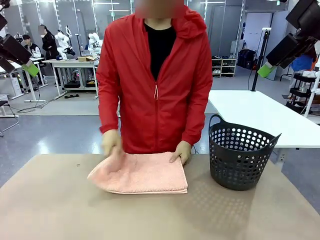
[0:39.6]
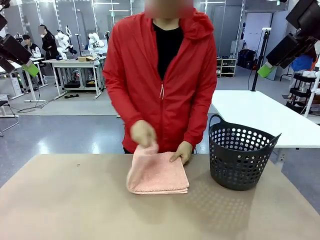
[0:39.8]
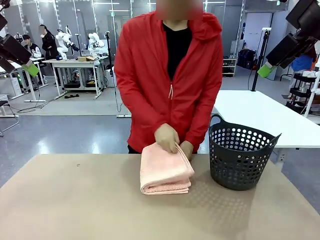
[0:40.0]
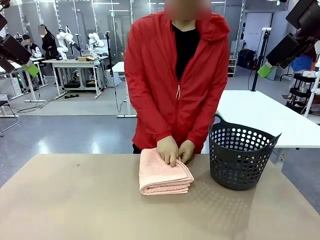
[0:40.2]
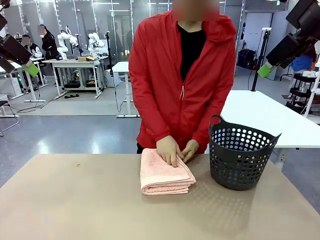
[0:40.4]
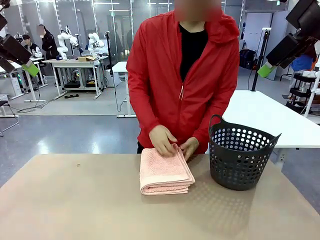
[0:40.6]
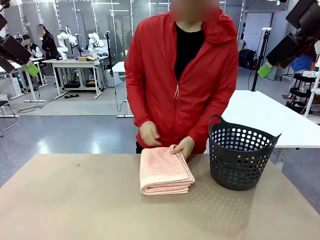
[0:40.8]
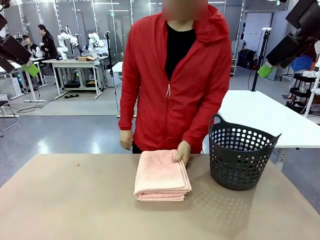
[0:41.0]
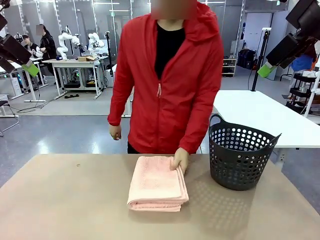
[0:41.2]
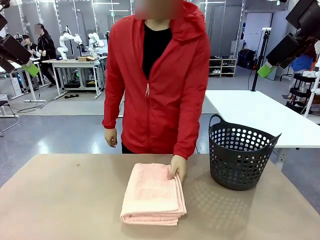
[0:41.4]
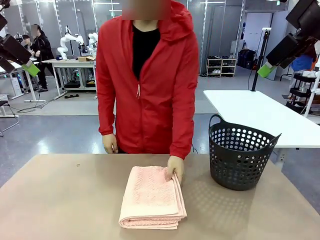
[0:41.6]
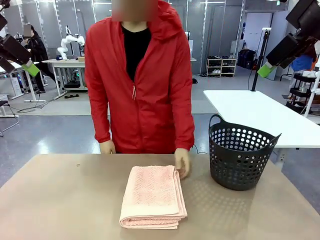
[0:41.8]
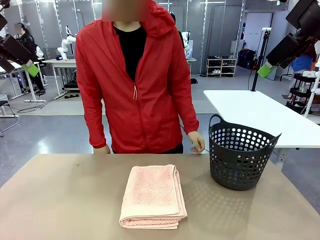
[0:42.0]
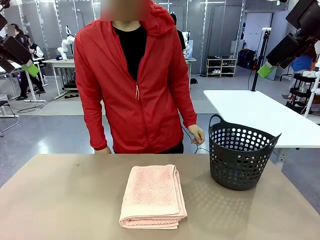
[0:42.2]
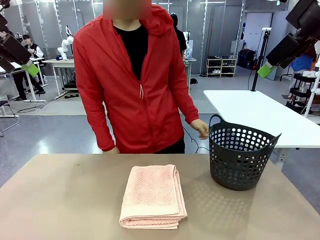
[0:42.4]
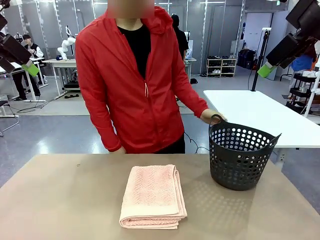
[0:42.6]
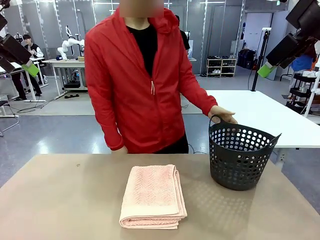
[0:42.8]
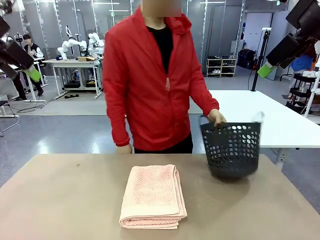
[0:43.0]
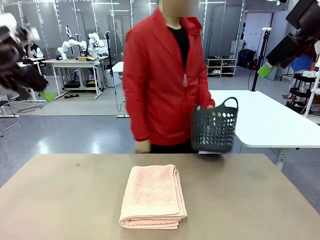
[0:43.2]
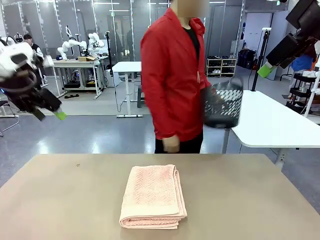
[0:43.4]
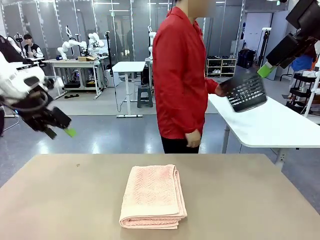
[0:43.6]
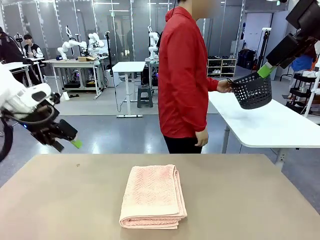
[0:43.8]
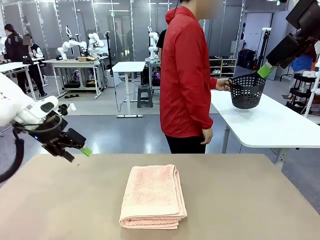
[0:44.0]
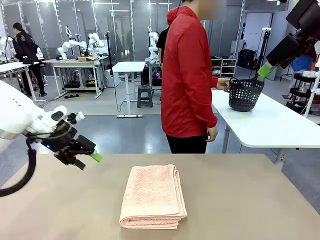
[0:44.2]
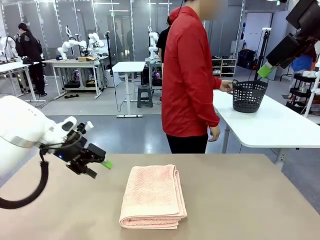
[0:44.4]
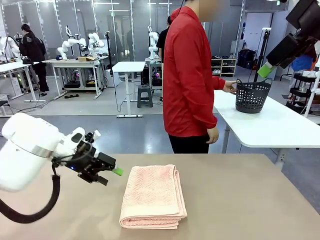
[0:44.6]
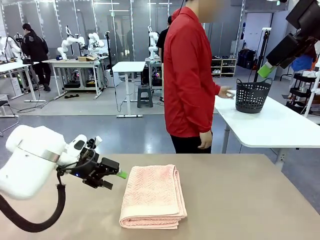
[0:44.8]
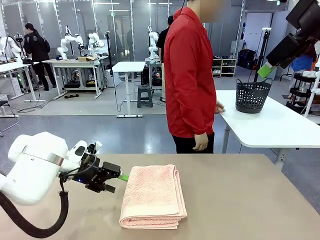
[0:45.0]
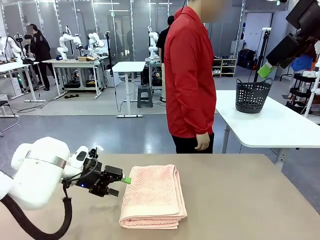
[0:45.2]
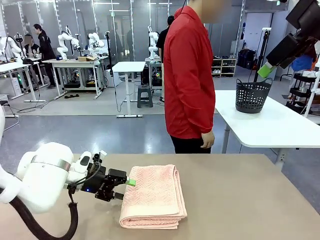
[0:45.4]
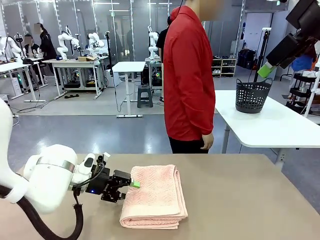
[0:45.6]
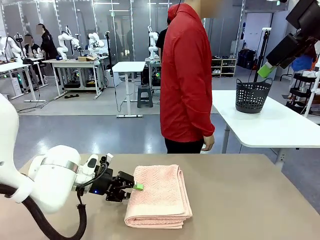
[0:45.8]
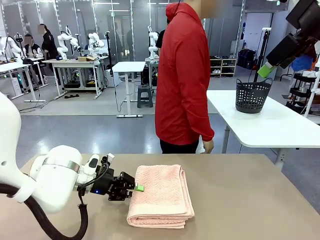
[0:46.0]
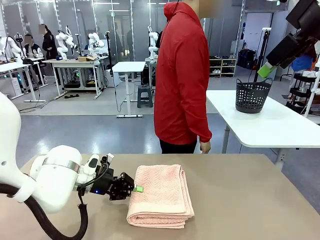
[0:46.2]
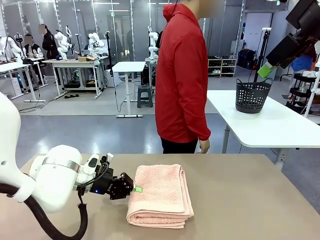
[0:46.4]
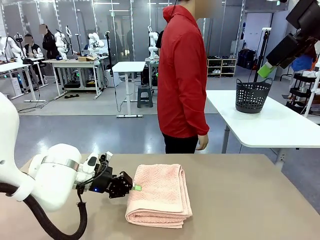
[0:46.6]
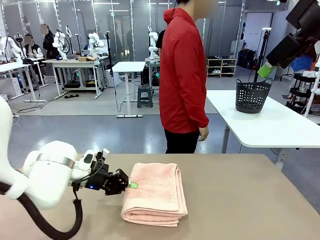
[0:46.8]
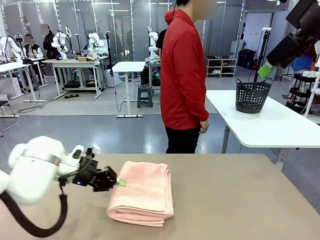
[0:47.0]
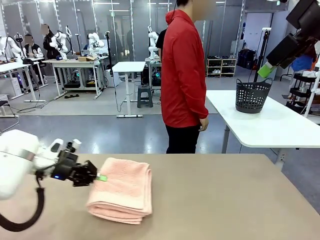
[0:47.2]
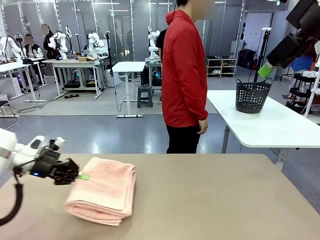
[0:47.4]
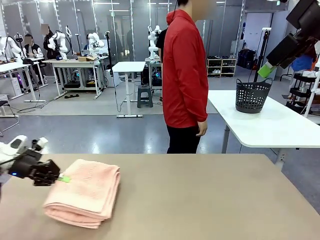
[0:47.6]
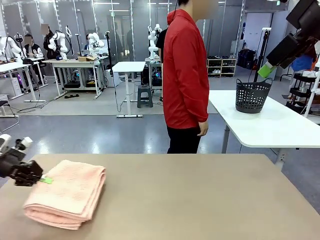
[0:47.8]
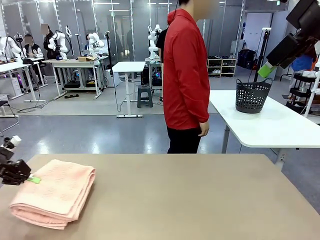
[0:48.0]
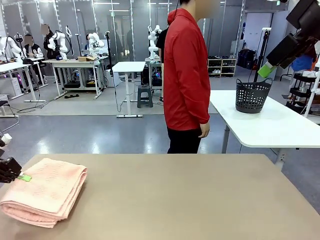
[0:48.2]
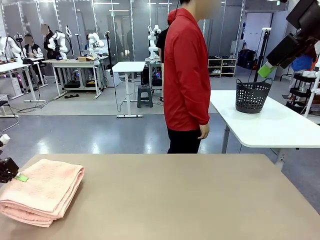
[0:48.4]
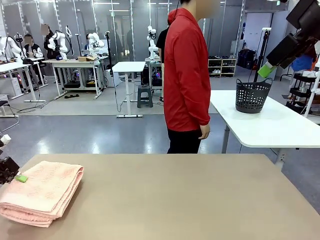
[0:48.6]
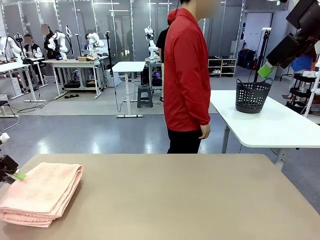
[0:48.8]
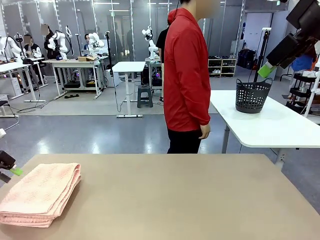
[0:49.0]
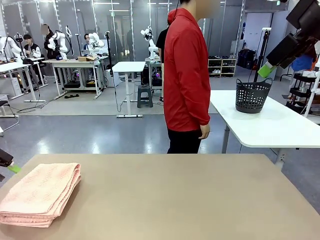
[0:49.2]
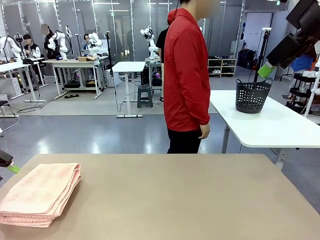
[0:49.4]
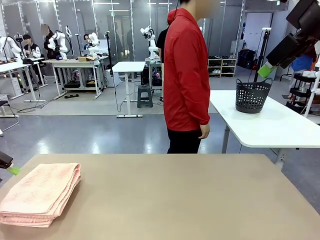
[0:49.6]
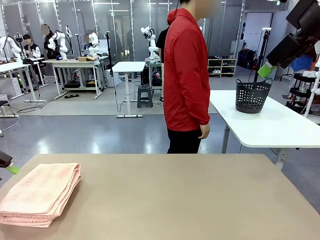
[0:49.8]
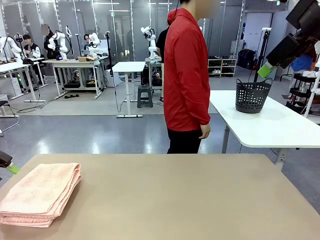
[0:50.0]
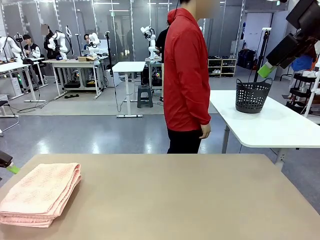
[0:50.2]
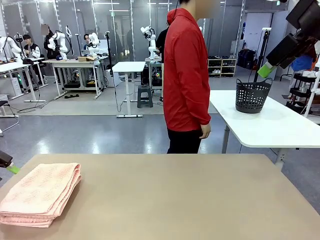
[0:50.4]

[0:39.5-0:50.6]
Task: Fold the towel.
Robot: Pick up the 100 cm Hotel Towel and place it on the left side of the table.
Person: Pick up the laundry basket and place it at the center of the human table.

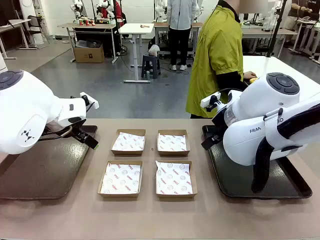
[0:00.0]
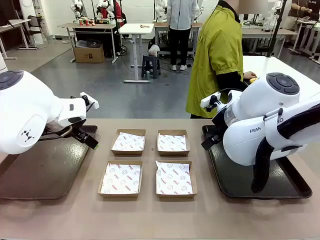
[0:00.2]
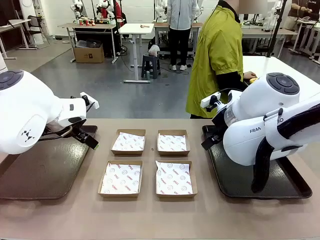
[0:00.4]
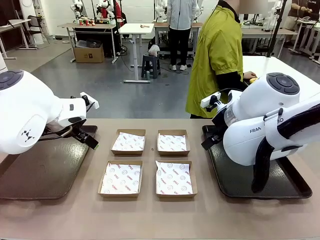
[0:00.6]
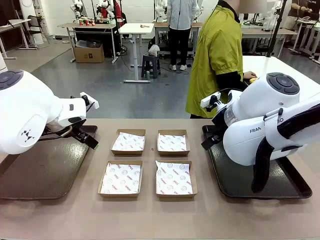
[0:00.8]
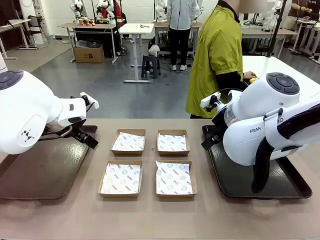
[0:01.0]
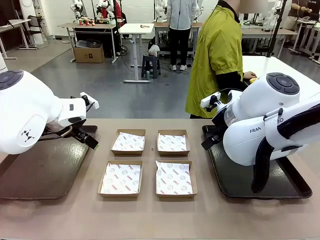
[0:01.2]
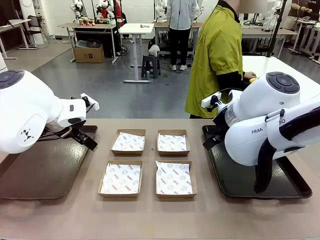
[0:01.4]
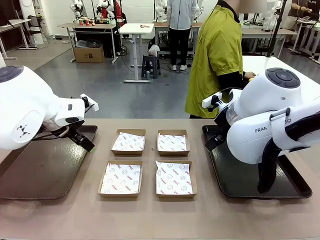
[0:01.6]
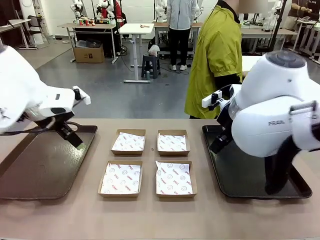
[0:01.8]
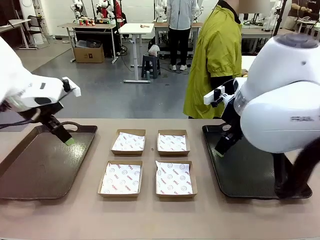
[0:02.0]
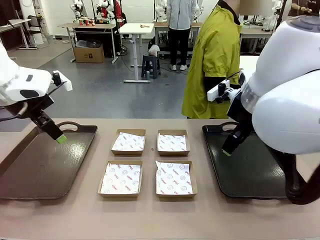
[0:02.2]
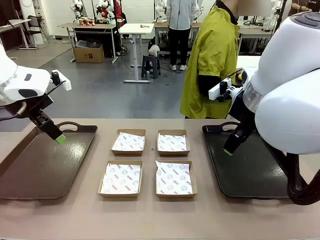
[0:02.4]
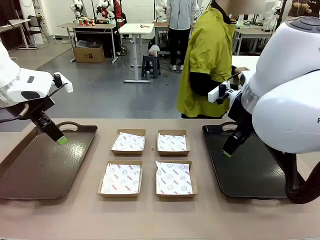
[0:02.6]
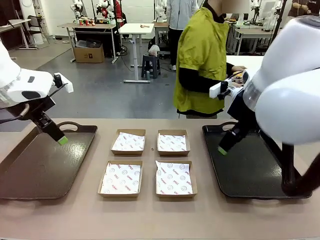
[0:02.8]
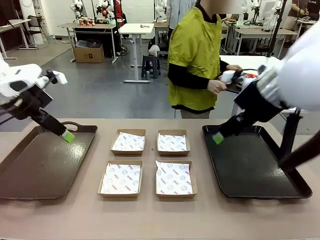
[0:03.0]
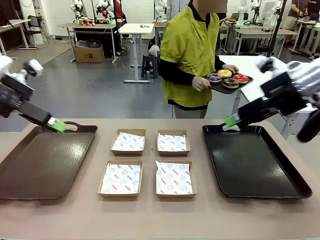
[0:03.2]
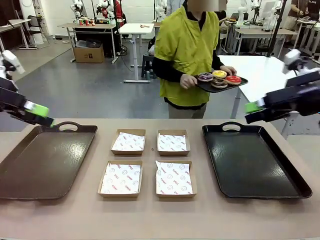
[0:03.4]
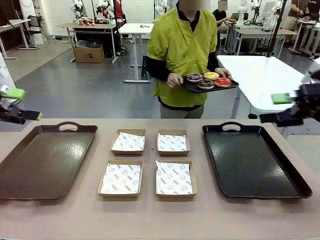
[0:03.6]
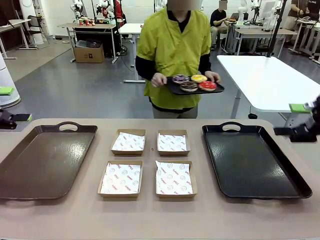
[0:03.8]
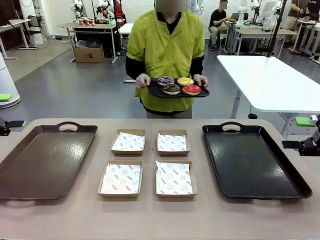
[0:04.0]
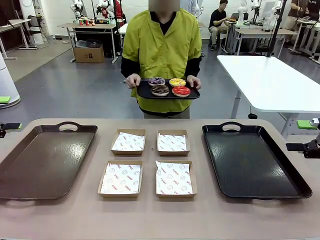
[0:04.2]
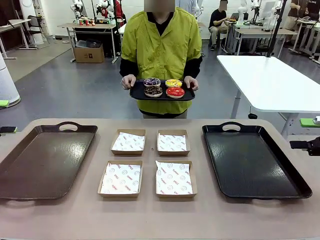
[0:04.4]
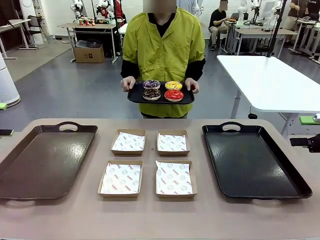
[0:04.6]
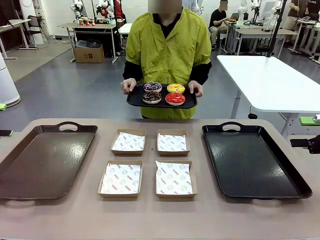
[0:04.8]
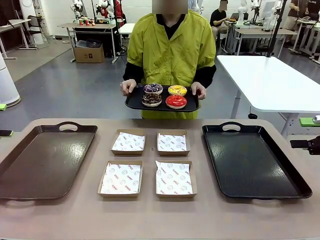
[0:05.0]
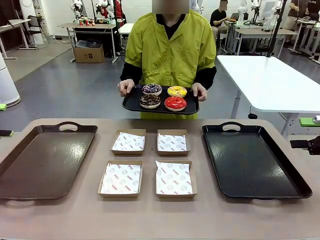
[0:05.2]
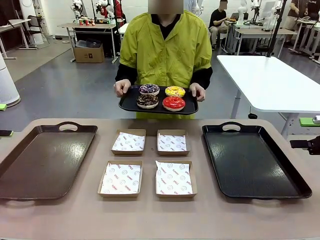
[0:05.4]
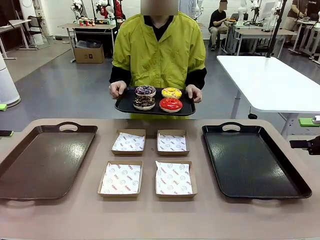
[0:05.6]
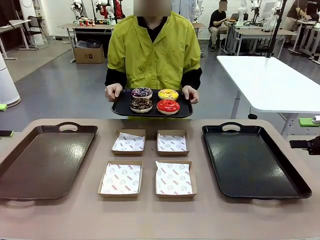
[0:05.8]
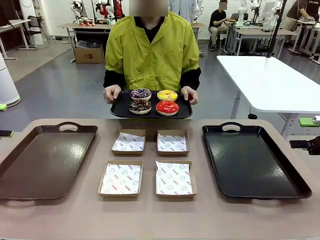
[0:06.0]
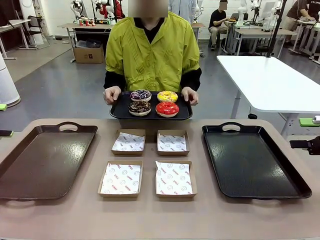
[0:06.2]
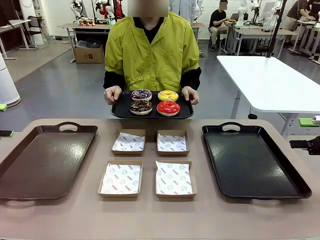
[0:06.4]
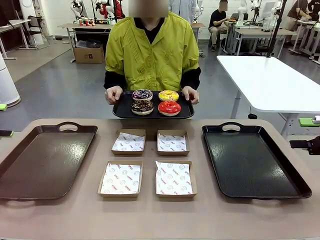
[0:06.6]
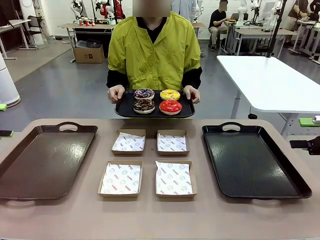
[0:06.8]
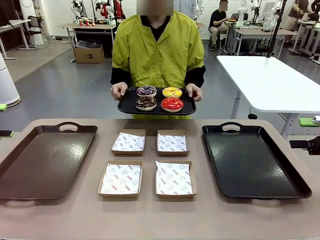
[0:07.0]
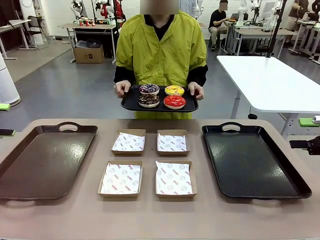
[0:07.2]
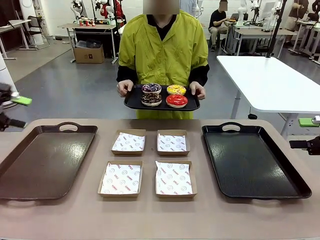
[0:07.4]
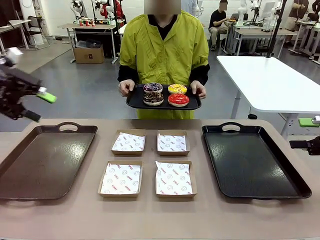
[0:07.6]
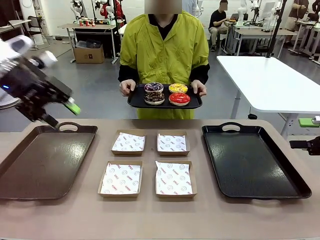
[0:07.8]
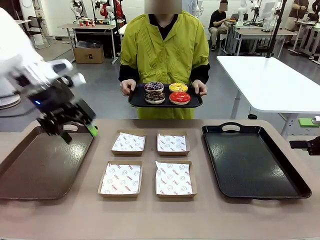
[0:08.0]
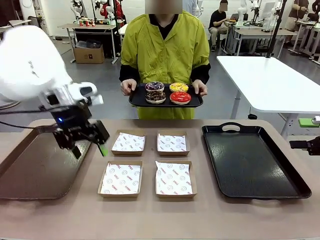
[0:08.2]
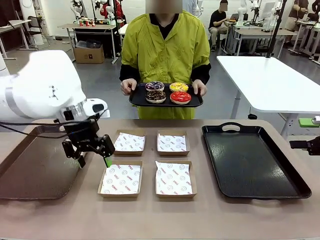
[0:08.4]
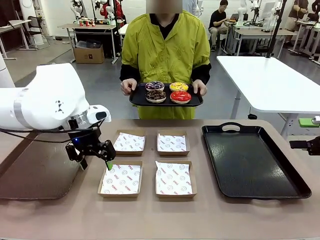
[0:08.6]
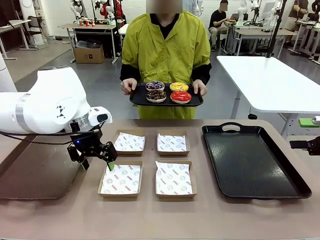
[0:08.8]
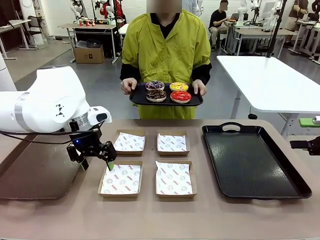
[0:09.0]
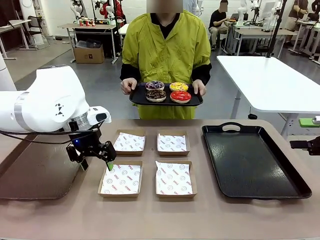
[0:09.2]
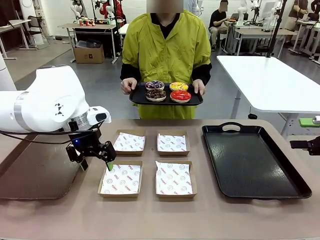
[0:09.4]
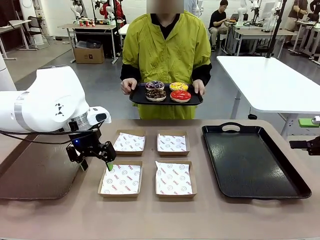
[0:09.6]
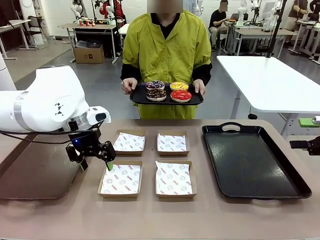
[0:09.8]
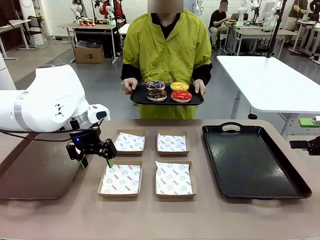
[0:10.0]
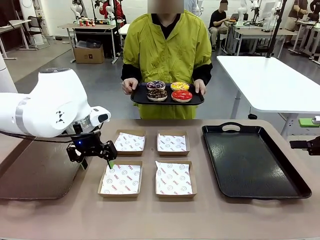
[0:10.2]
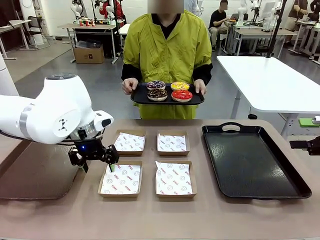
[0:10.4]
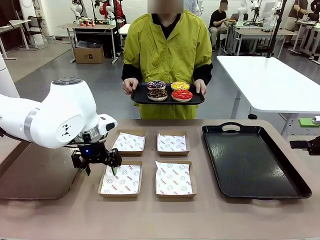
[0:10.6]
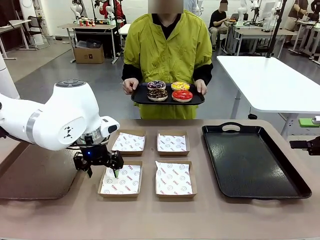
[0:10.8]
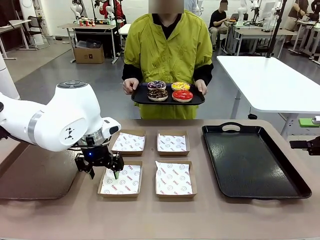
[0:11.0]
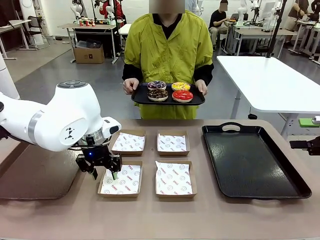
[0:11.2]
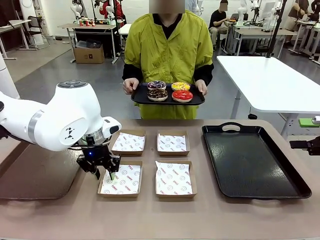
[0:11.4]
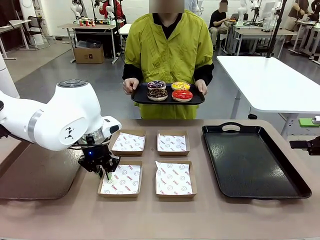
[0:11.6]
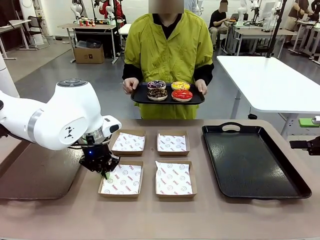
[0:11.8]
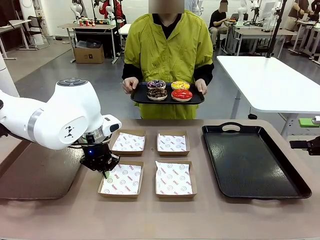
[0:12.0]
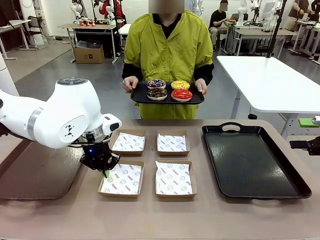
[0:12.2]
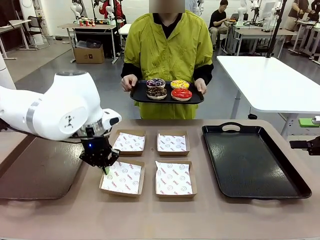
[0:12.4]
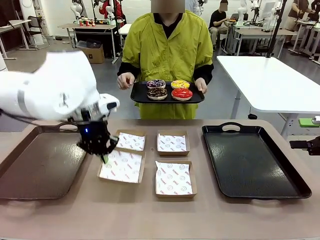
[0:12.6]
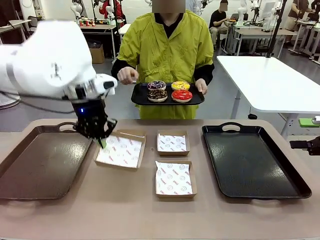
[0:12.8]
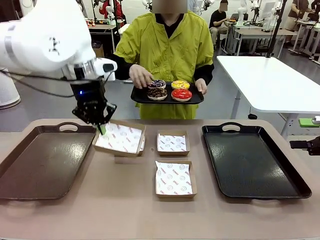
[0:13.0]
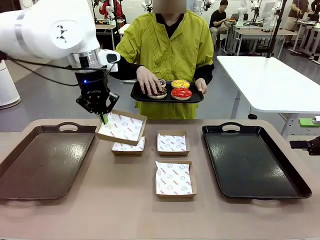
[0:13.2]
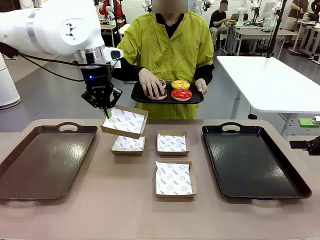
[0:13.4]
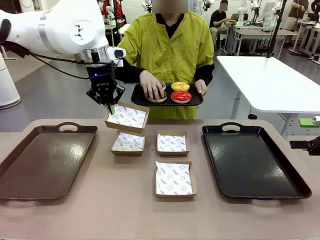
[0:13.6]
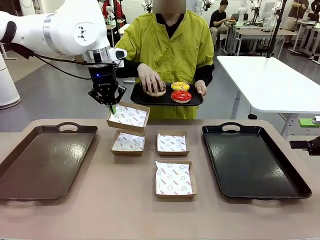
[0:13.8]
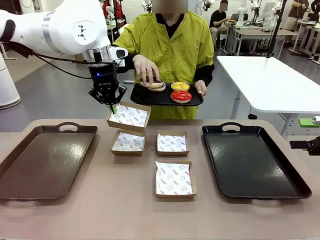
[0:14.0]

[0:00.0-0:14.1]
Task: Individually package the donuts and arrange them on the tray.
Robot: Pick up one Paper togo box.
Person: Stand in front of the robot table holding the tray containing the donuts.
